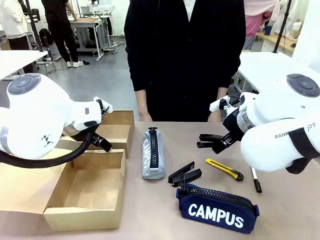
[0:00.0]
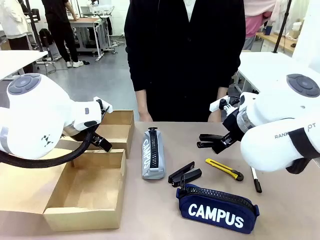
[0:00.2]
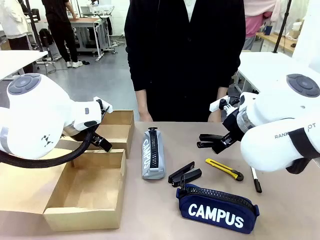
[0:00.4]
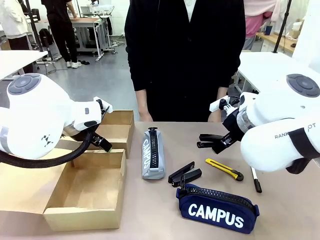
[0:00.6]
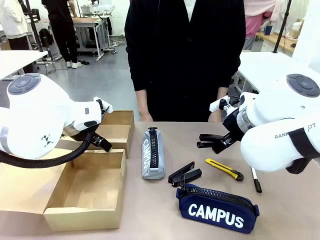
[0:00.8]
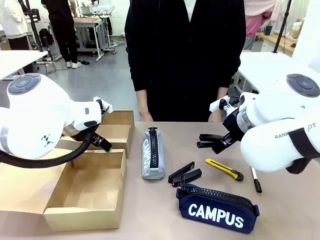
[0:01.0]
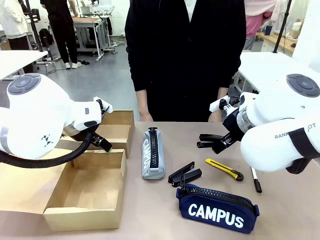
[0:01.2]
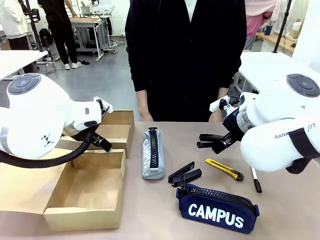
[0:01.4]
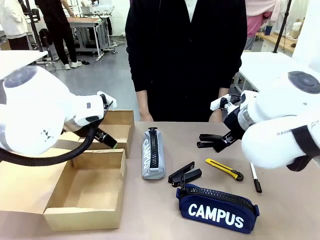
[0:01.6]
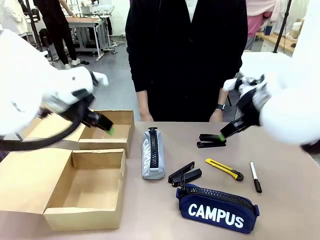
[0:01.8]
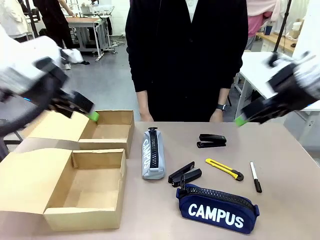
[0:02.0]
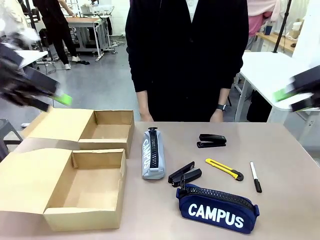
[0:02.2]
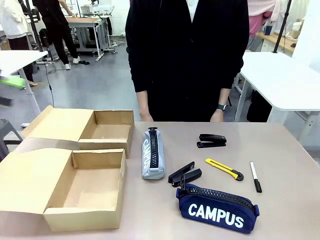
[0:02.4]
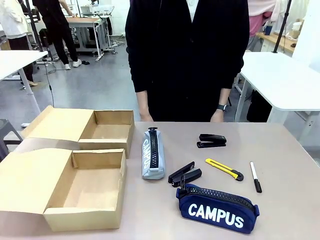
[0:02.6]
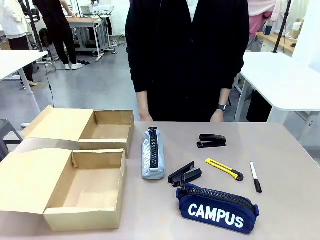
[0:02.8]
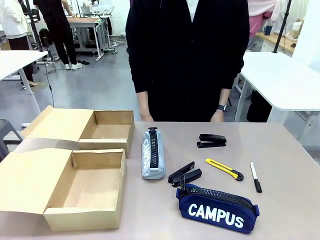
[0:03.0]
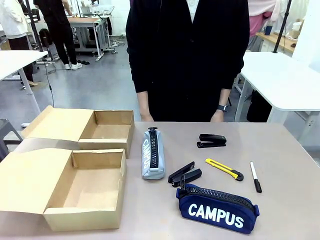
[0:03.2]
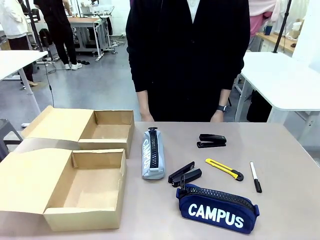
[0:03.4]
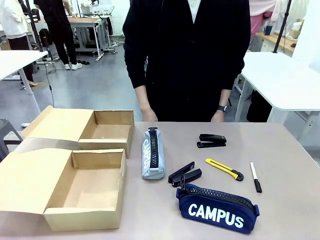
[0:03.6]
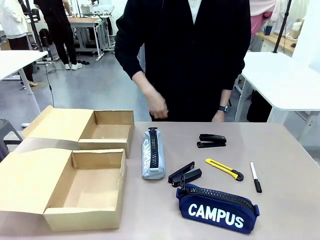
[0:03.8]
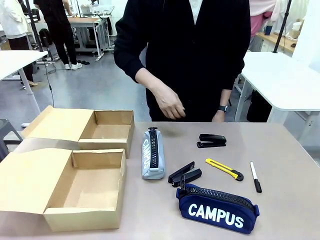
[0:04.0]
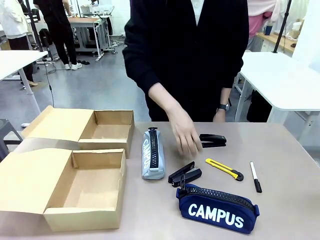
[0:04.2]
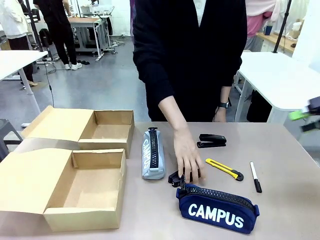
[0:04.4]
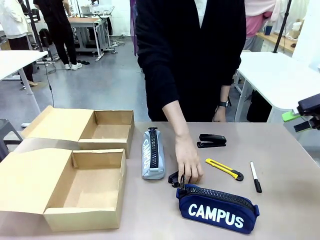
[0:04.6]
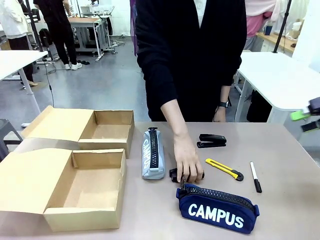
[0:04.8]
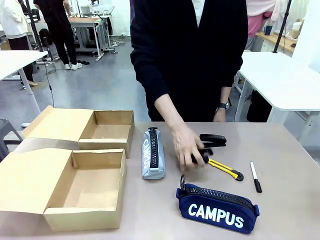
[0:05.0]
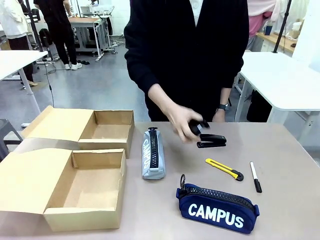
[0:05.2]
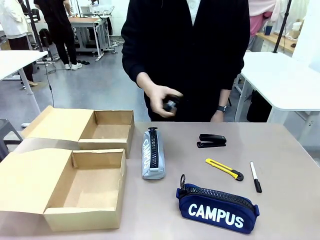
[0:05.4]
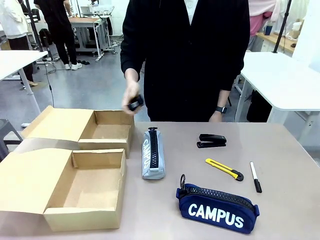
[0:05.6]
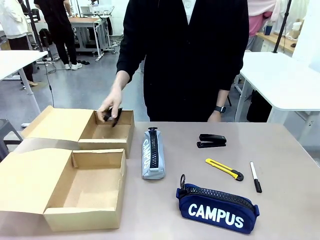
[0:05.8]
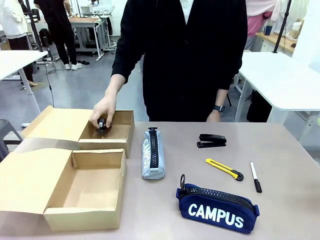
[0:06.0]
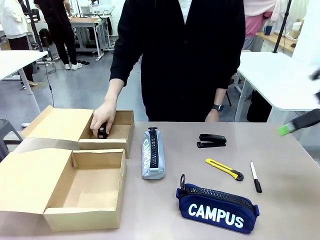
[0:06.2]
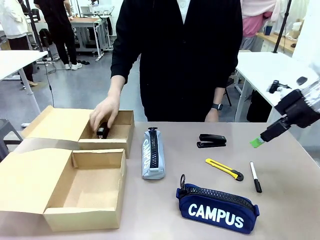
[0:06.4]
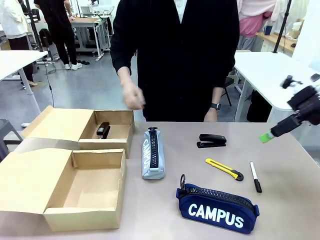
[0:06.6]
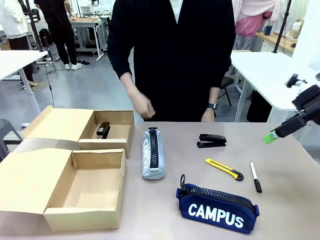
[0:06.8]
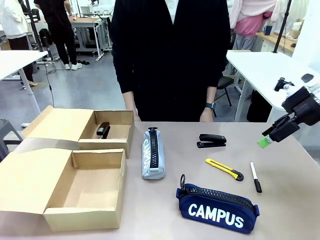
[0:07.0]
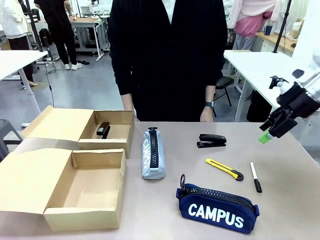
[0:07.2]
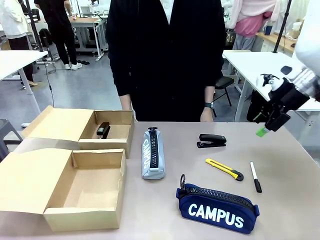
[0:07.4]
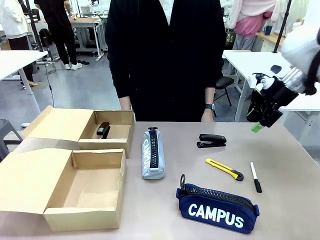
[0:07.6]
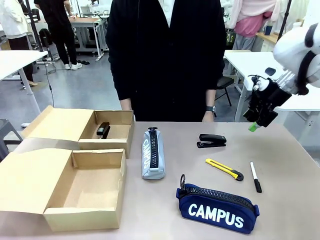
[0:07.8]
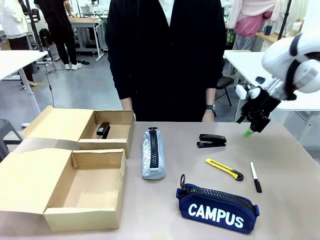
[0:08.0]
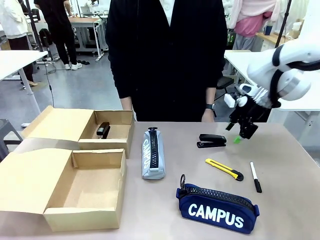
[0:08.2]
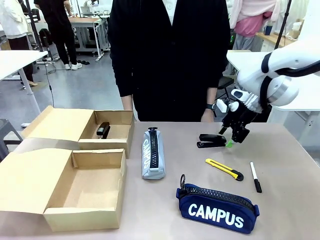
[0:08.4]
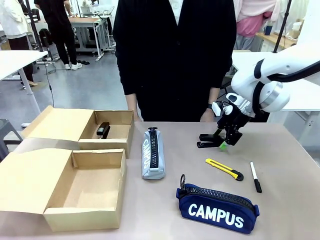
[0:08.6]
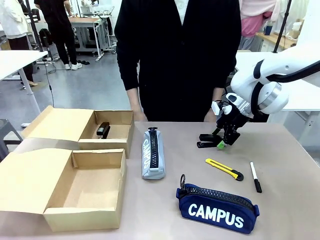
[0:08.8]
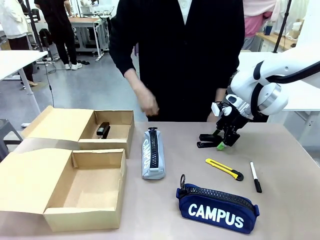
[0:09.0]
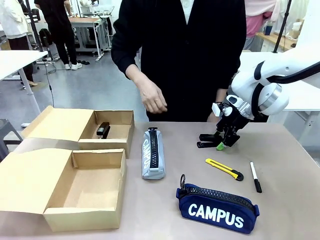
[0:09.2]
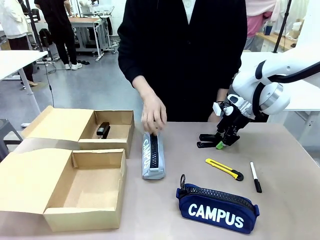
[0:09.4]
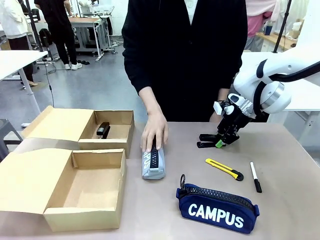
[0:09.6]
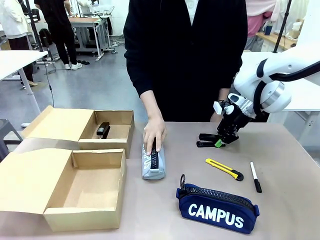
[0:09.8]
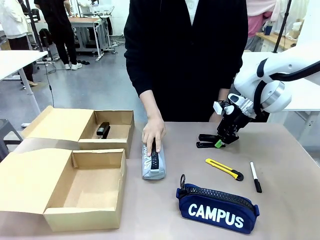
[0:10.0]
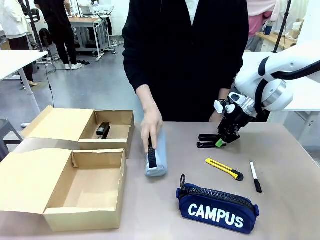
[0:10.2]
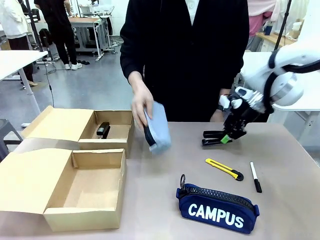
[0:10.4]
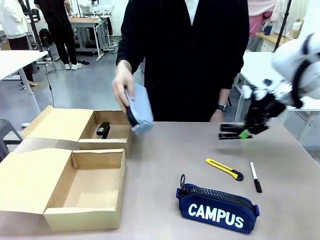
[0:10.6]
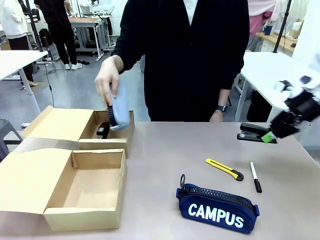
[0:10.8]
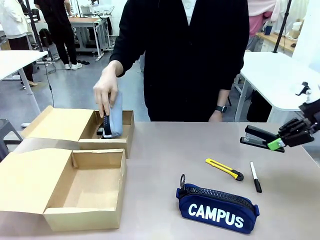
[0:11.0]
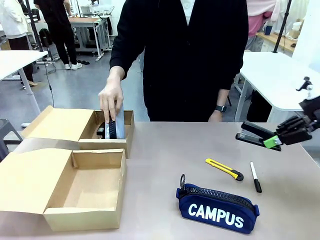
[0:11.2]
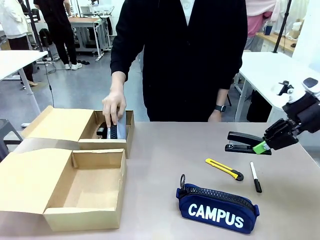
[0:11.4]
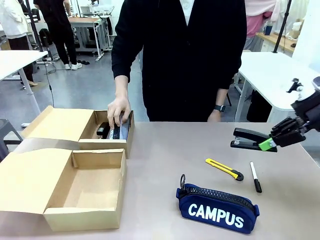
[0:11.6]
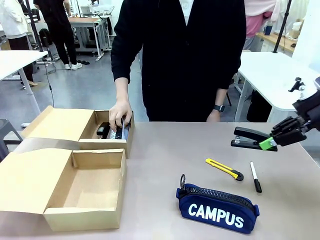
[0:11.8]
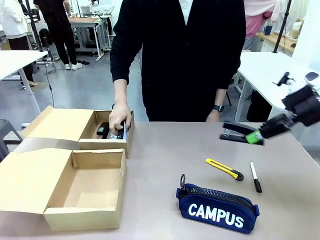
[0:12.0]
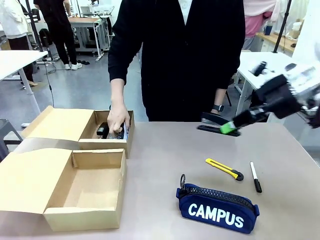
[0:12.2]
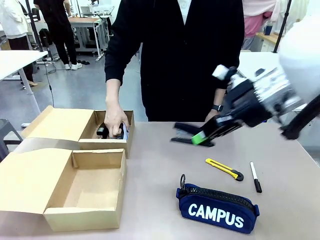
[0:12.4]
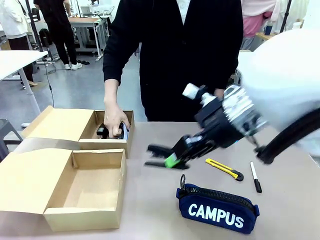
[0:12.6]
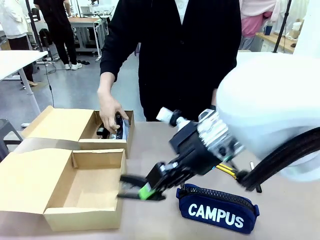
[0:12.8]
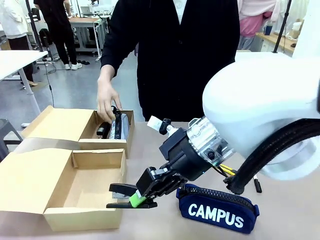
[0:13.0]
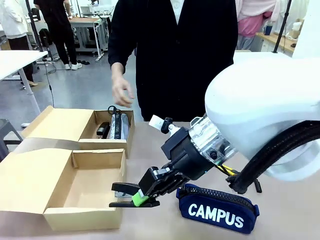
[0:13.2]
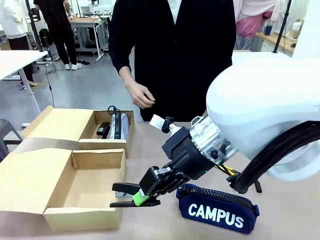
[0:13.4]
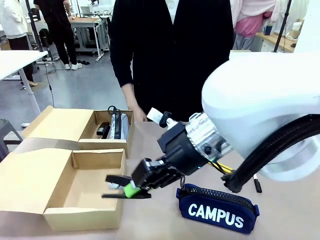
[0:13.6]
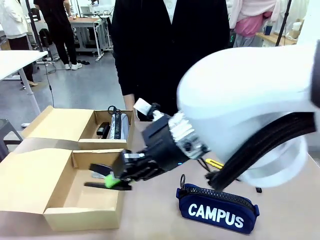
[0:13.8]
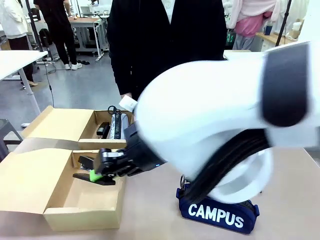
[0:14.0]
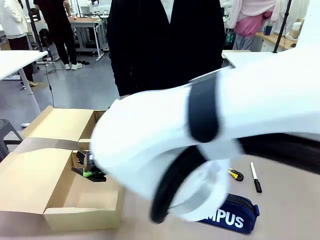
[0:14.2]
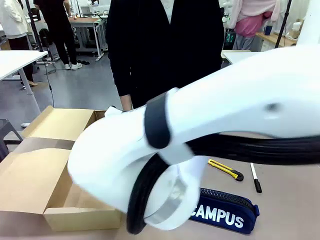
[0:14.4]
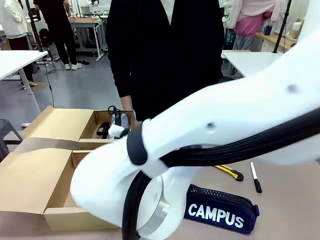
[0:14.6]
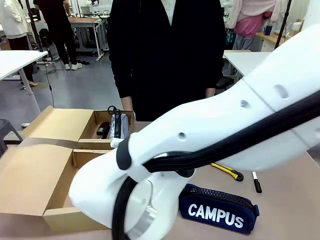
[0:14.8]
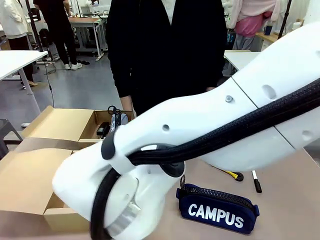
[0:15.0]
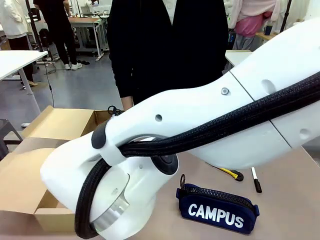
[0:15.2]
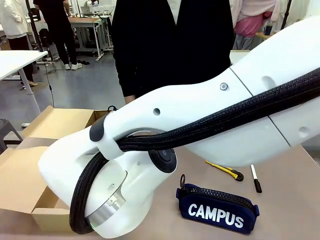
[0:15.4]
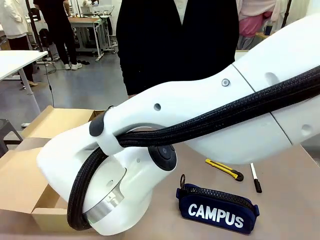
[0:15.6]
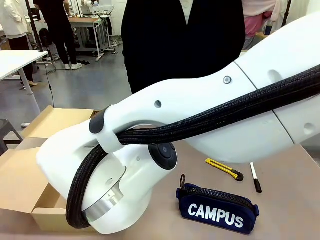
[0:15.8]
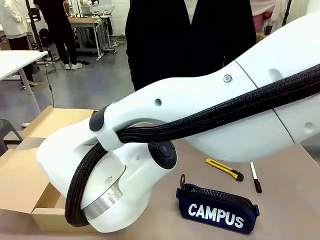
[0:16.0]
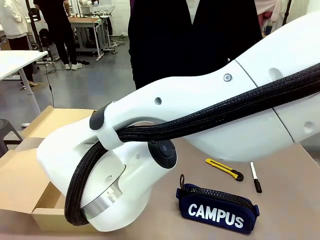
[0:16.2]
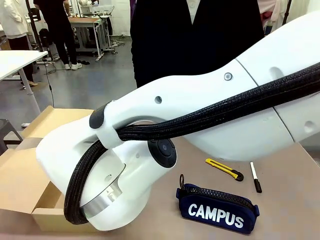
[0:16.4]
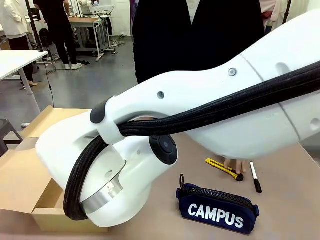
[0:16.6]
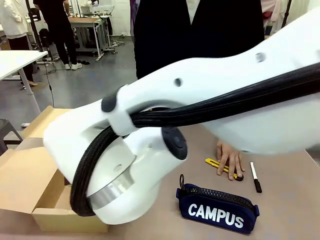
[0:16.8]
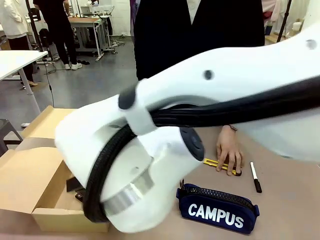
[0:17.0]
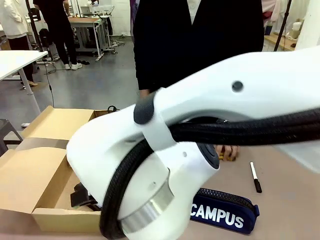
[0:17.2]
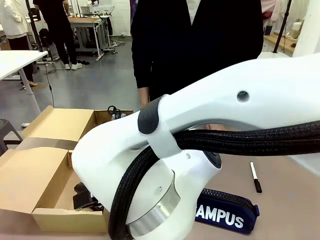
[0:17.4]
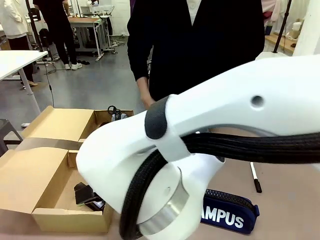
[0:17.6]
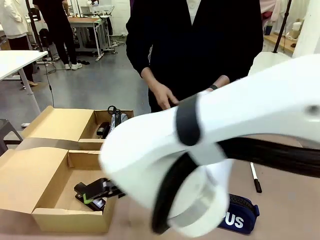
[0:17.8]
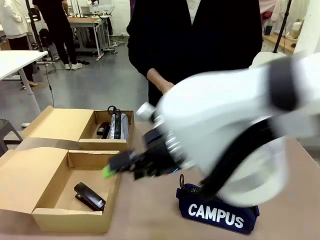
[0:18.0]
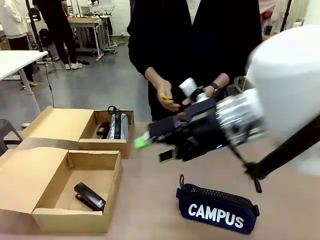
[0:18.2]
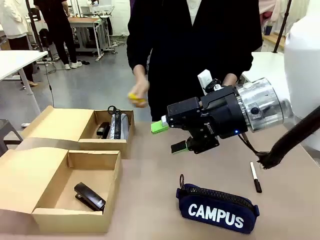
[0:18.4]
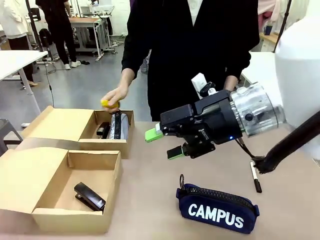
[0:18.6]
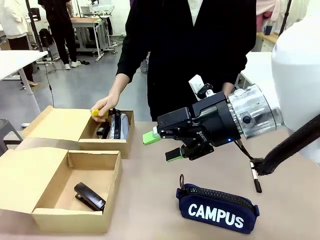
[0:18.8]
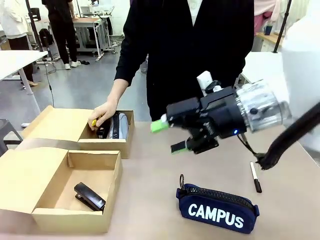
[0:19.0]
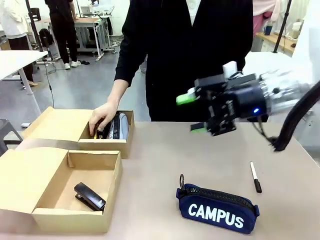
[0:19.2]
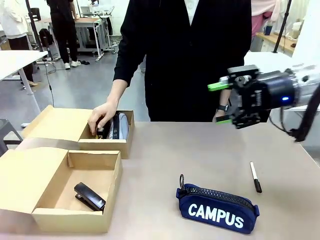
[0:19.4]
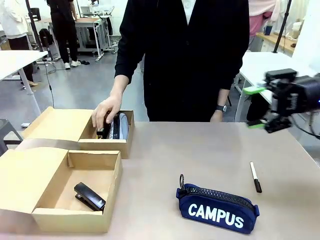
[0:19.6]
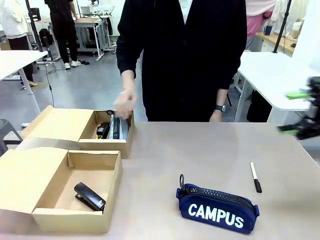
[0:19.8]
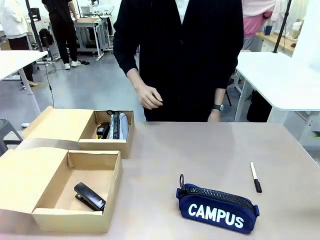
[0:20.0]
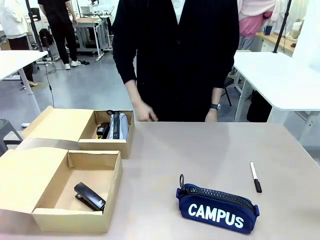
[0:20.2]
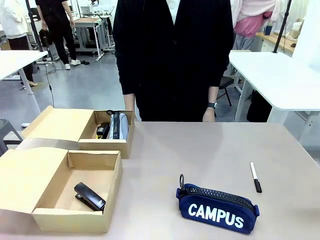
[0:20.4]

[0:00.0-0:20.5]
Task: Place items inside the box.
Robot: Pick up a Pencil pouch or Stapler and place it inside the Mailer Box closest to the robot.
Person: Pick up an object on the table and put it in the box.
